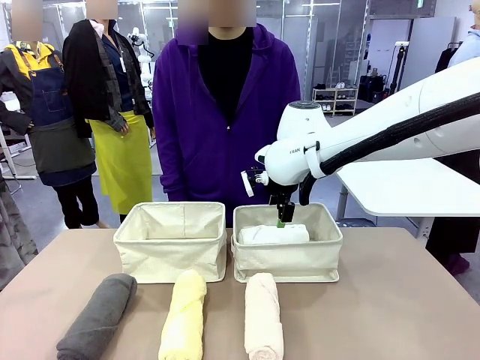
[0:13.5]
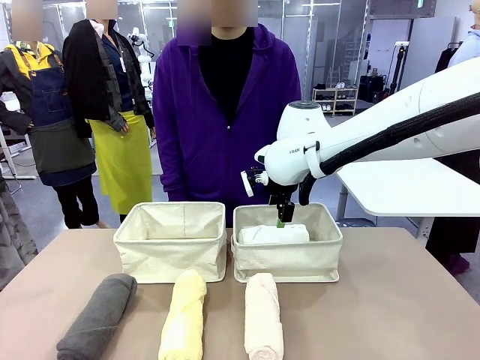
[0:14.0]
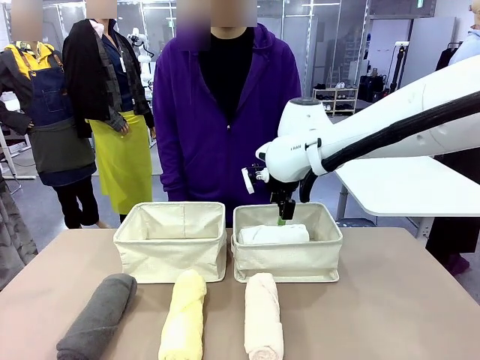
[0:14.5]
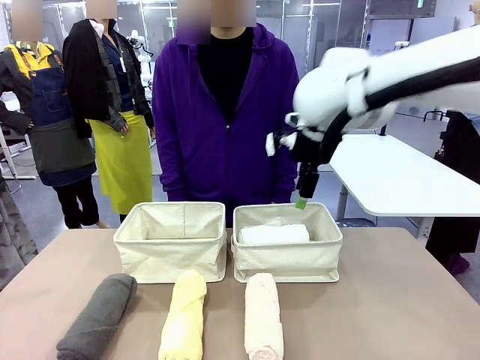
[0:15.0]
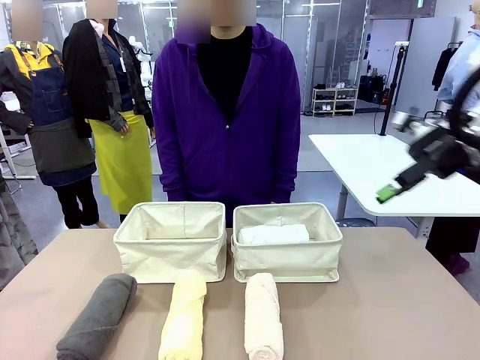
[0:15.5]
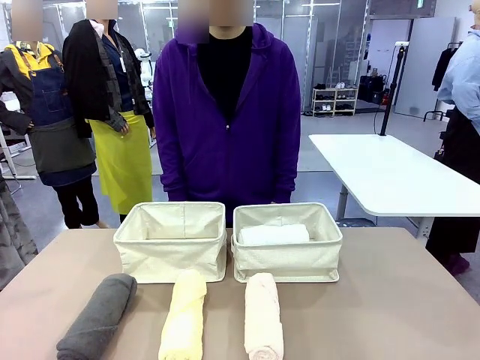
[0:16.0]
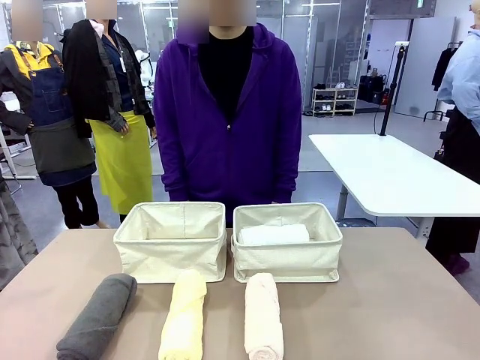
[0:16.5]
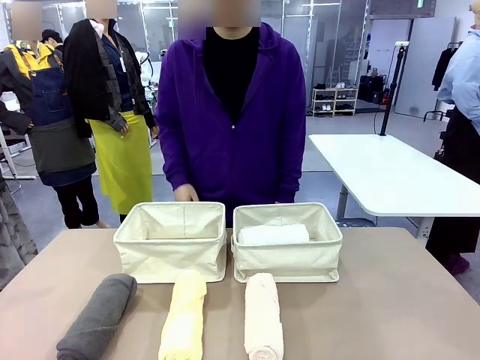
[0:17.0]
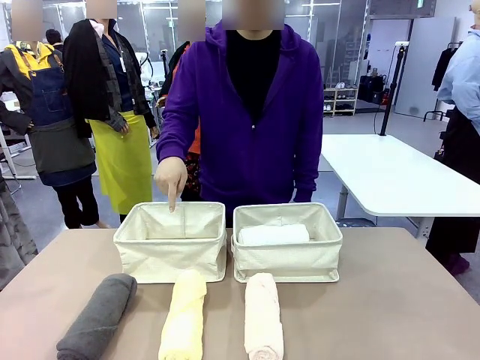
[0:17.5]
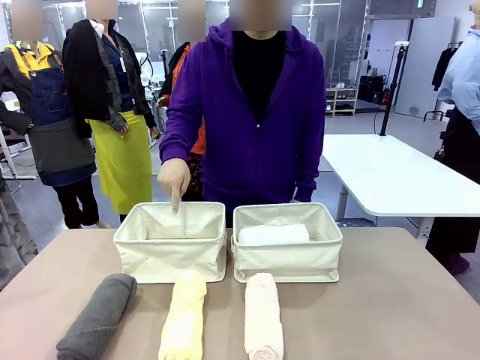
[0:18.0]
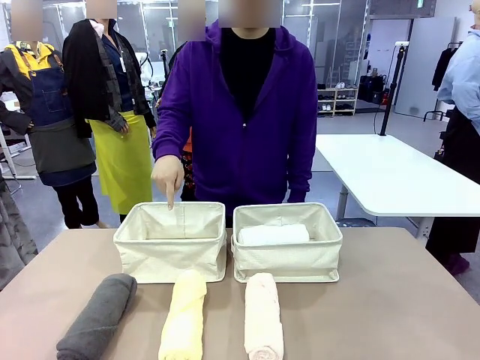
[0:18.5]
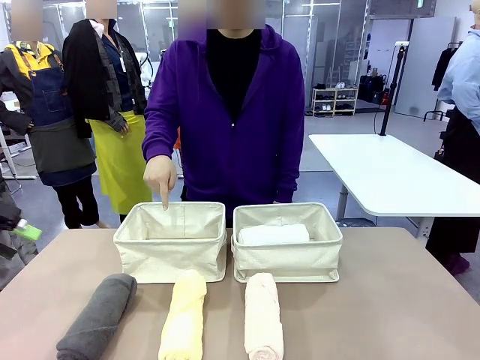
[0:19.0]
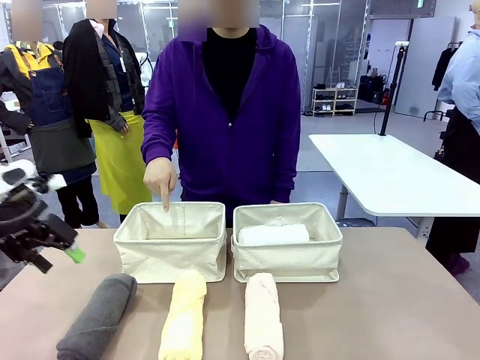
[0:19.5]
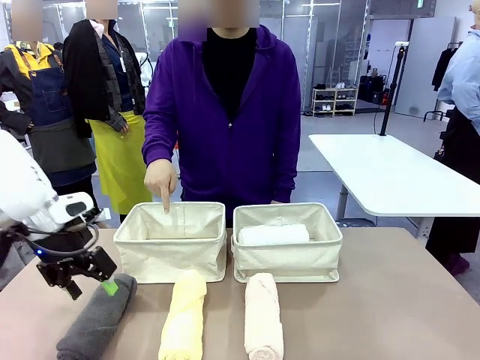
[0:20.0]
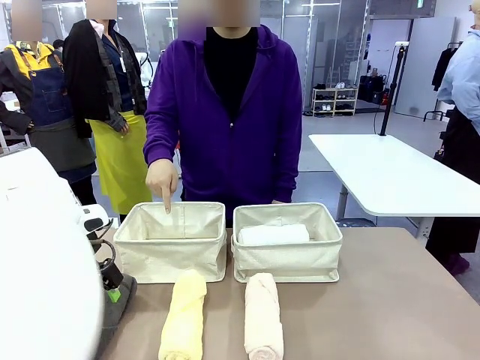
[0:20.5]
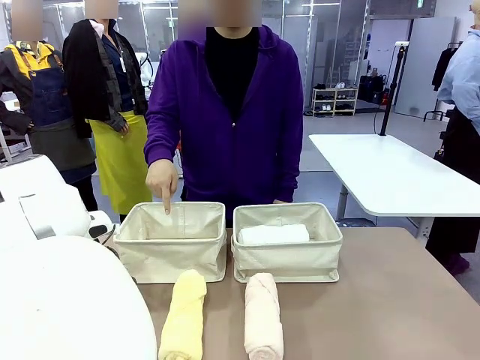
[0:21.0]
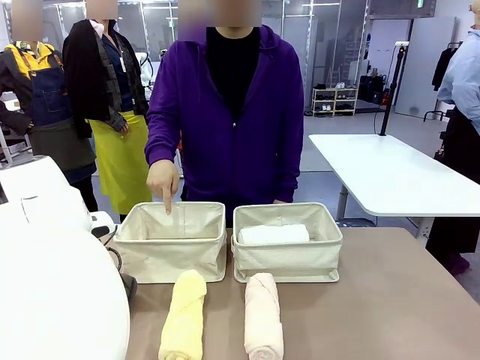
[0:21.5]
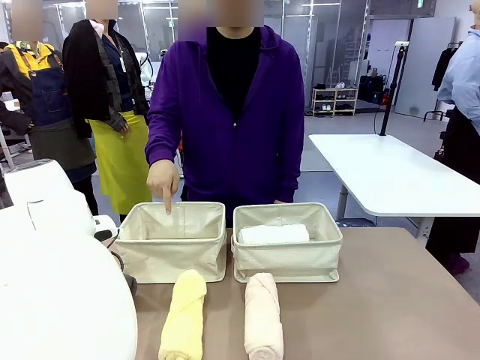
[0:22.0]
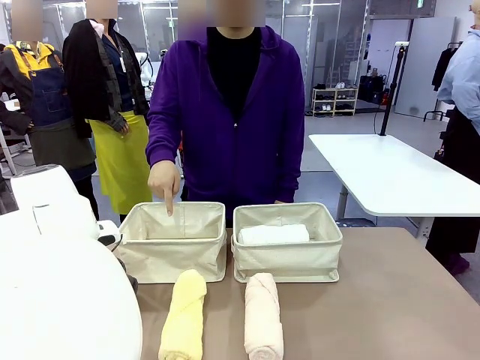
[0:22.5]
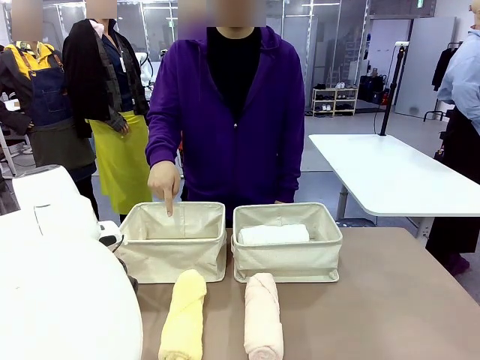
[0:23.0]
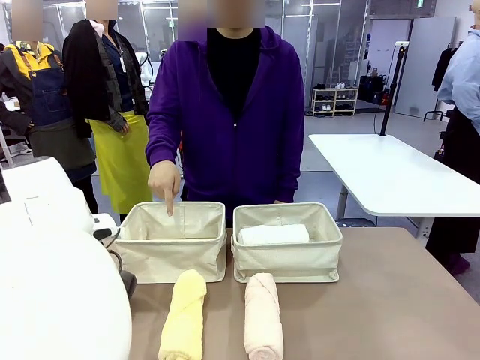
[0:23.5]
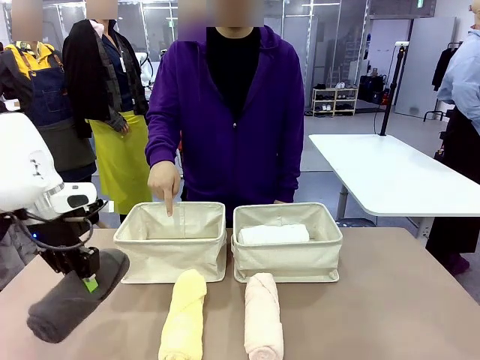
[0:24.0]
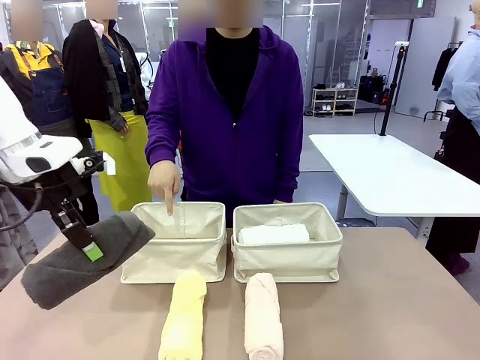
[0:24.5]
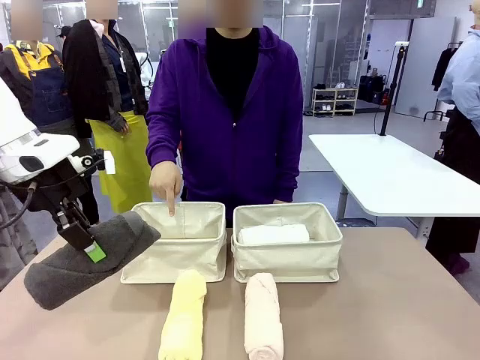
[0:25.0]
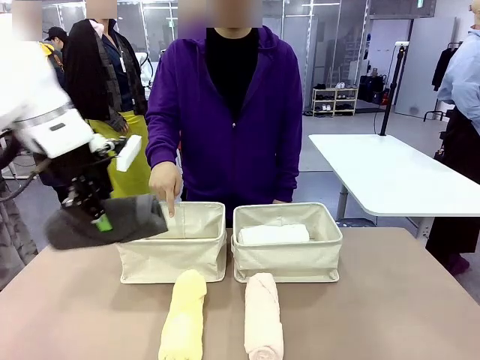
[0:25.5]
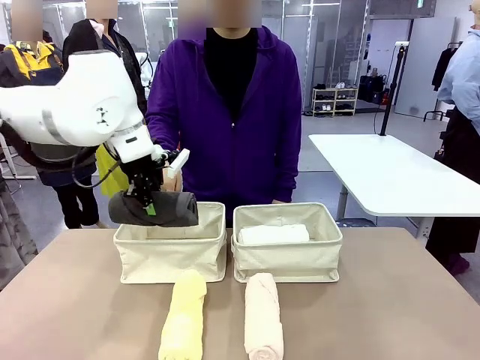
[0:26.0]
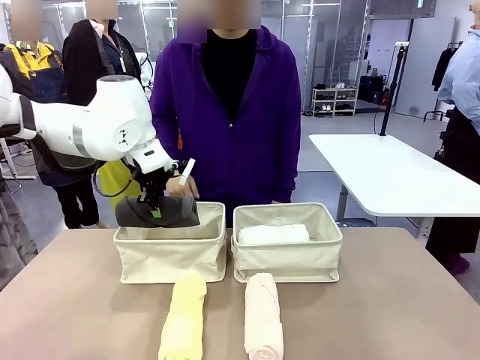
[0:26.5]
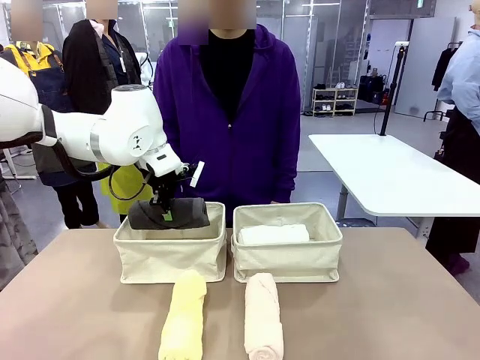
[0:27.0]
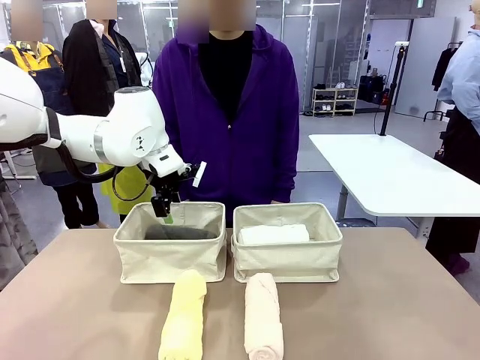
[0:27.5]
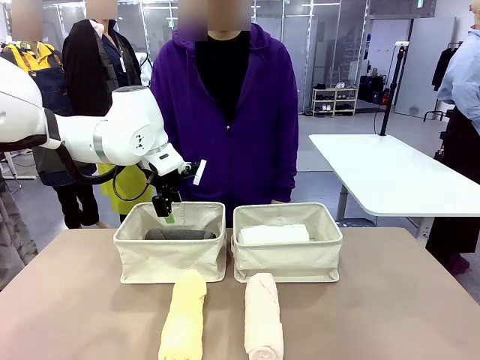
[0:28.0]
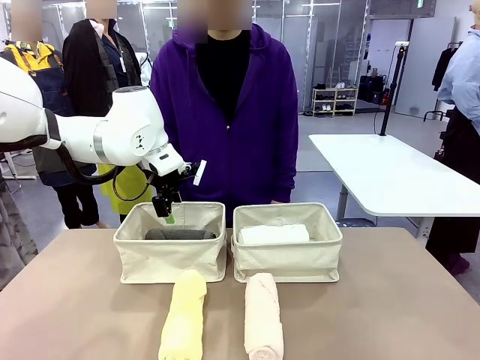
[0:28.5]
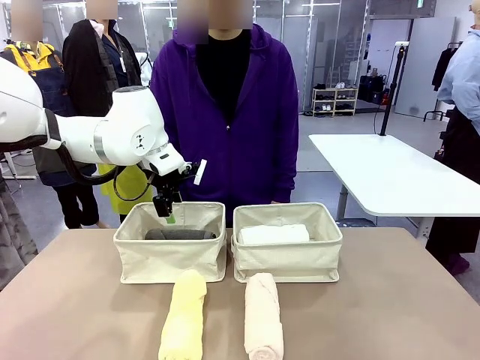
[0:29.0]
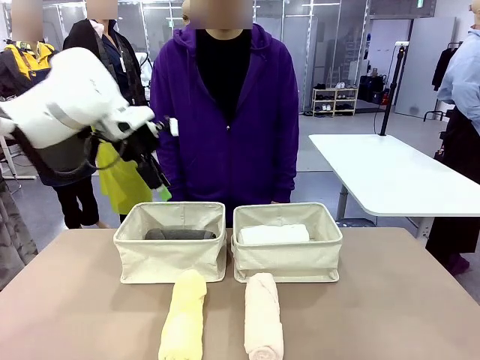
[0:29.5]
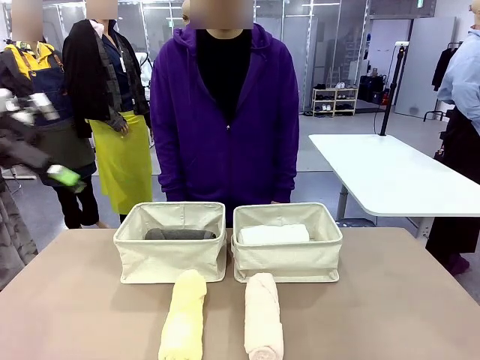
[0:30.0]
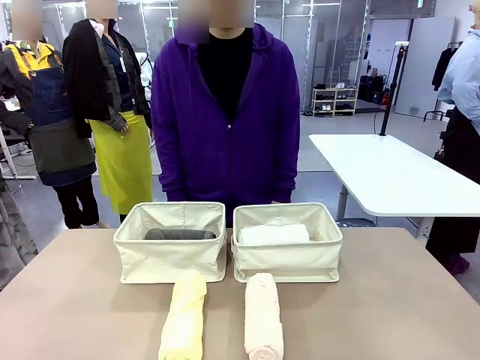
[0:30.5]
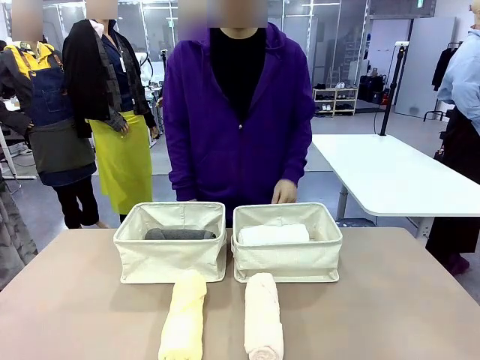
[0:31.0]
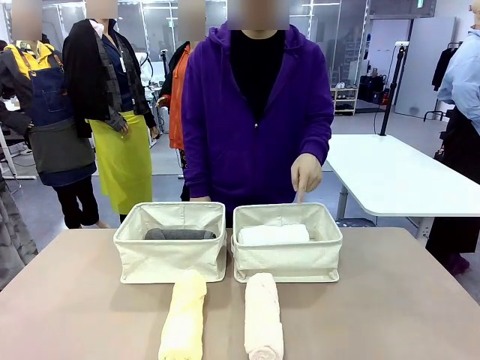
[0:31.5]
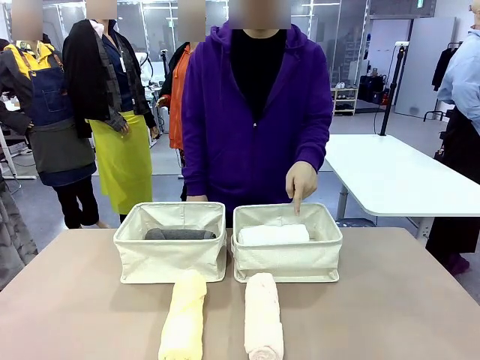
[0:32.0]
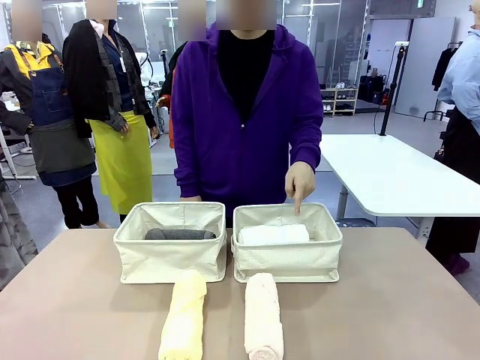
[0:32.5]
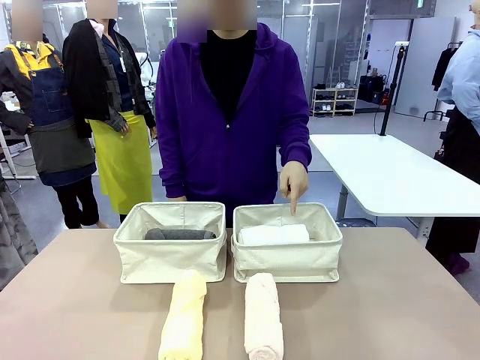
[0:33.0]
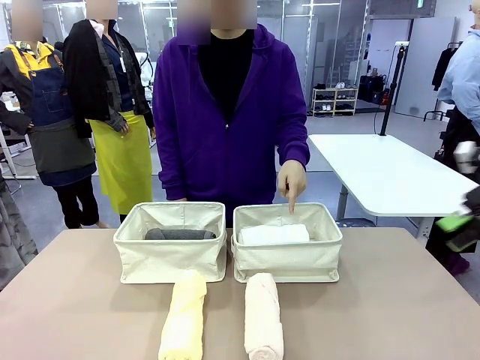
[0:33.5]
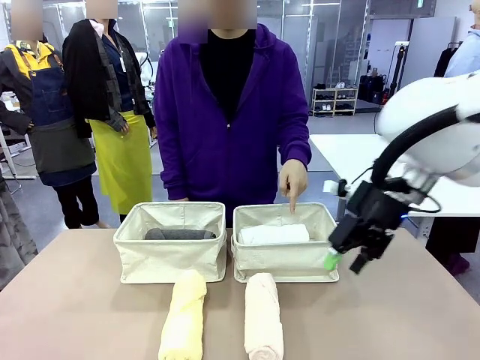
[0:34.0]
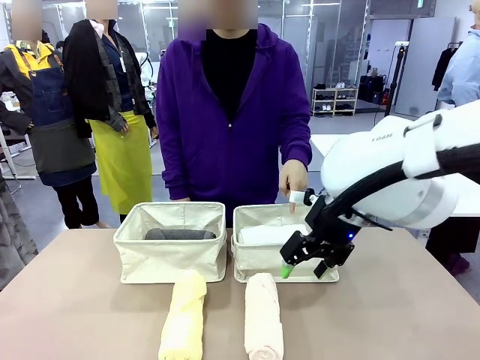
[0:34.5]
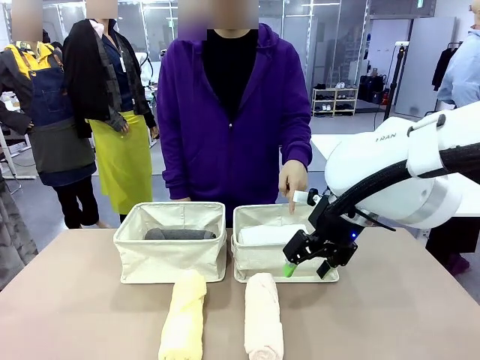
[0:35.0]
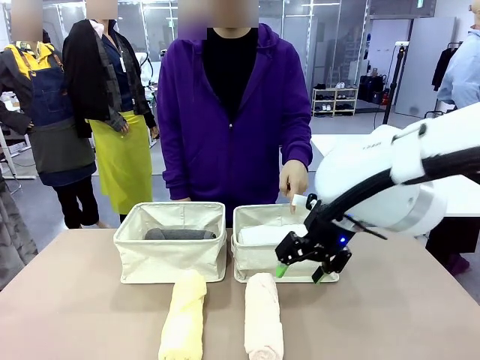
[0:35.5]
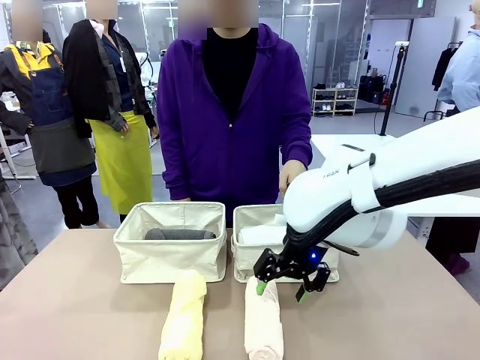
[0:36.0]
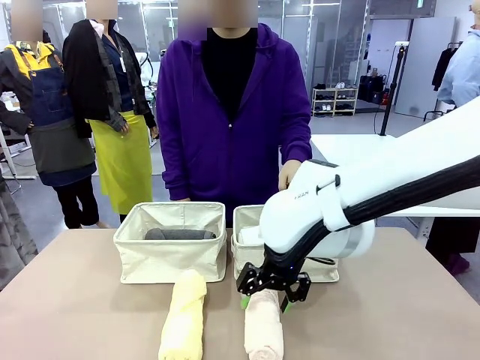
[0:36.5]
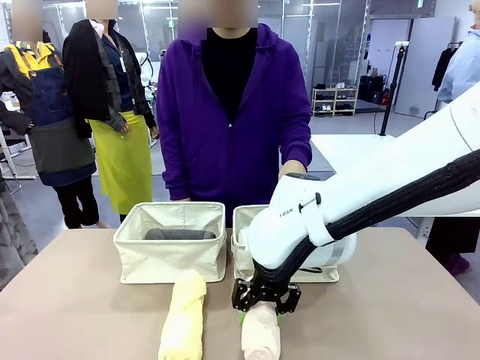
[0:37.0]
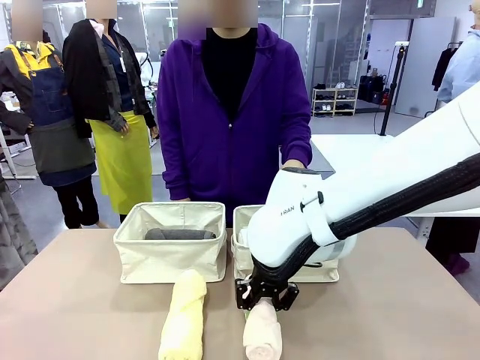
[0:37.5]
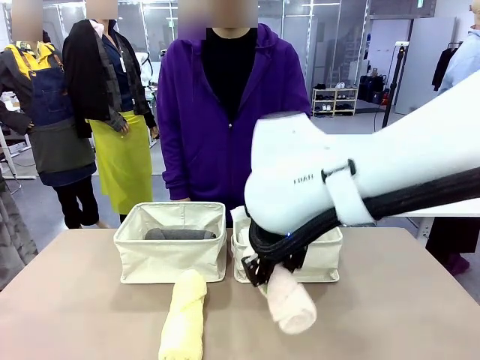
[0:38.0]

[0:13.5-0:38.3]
Task: Divide the towels into two baskets.
Robot: Pick up one hotel-folded towel from the bottom of the table and place it in the Fabric basket indicated by the person.
